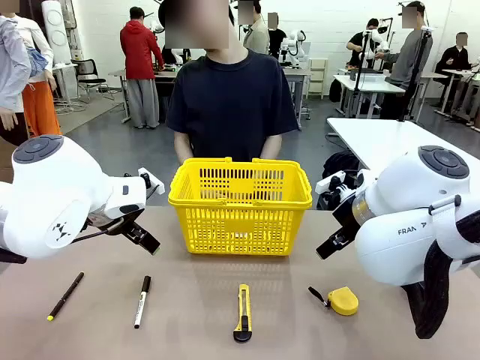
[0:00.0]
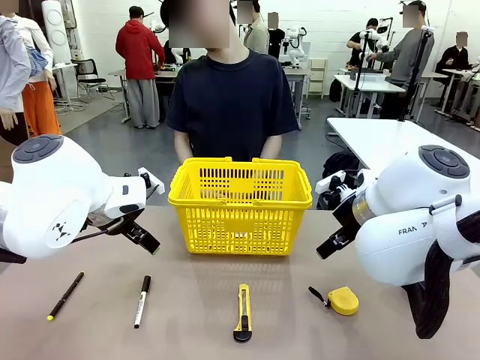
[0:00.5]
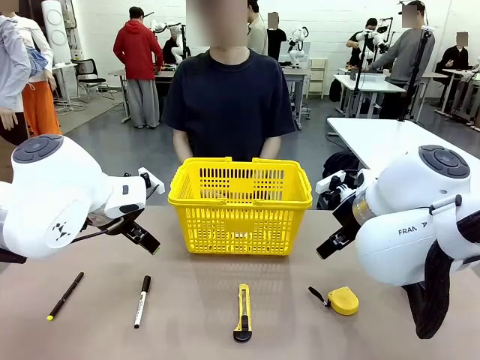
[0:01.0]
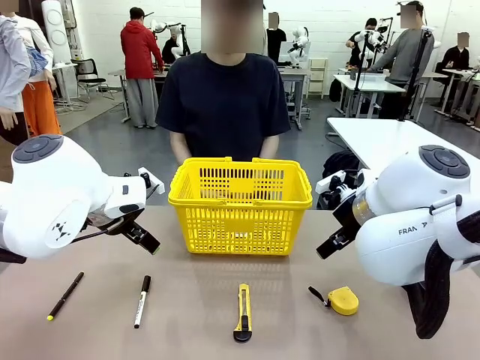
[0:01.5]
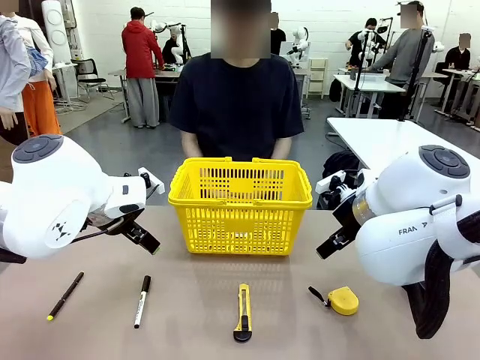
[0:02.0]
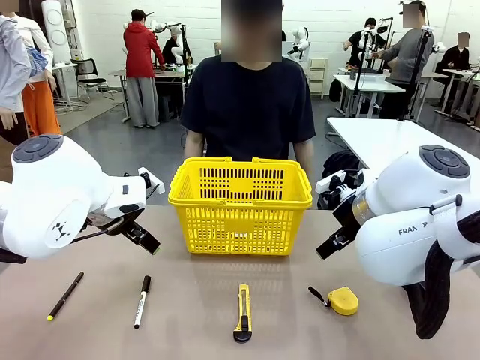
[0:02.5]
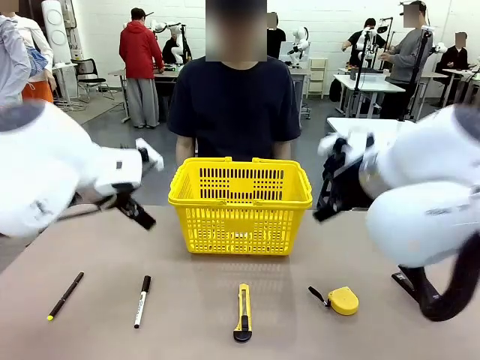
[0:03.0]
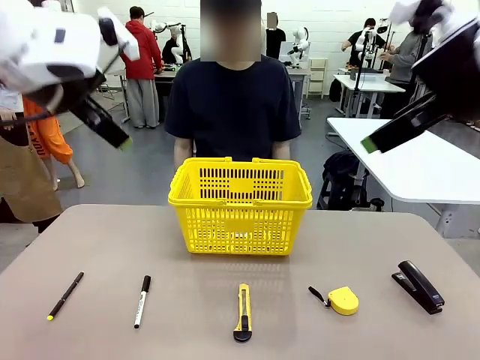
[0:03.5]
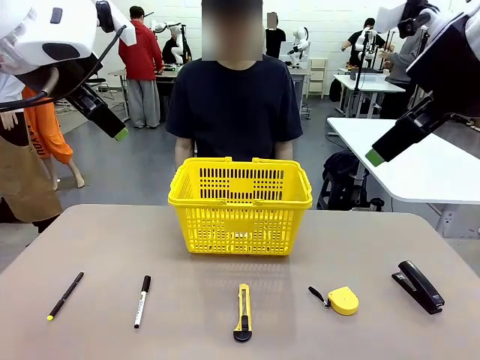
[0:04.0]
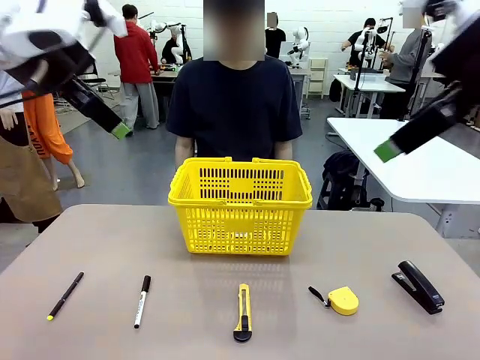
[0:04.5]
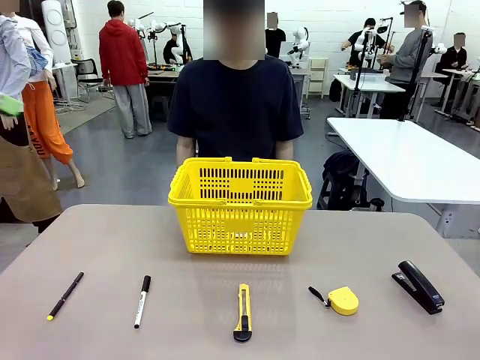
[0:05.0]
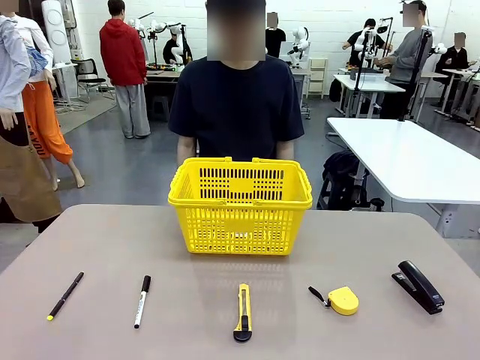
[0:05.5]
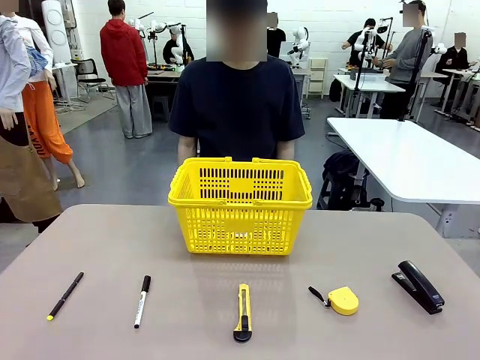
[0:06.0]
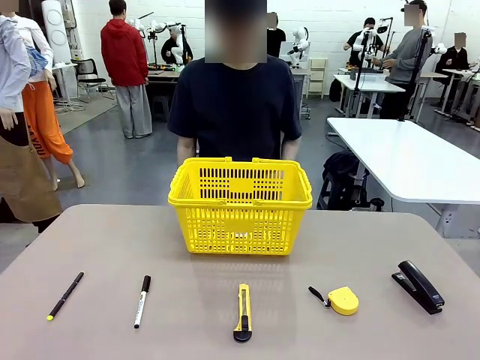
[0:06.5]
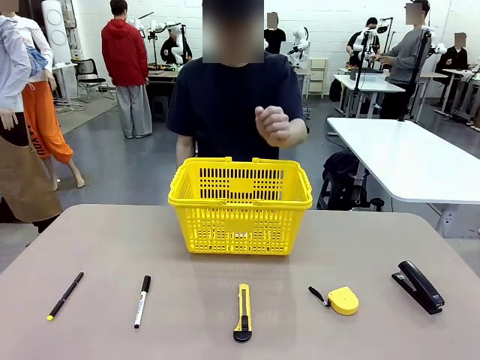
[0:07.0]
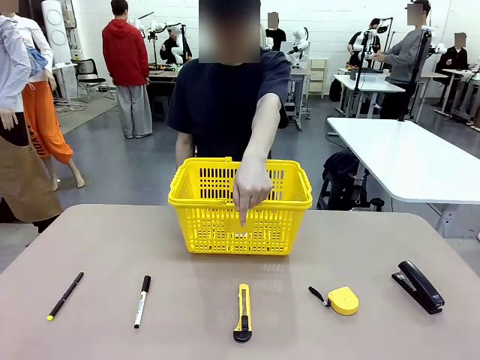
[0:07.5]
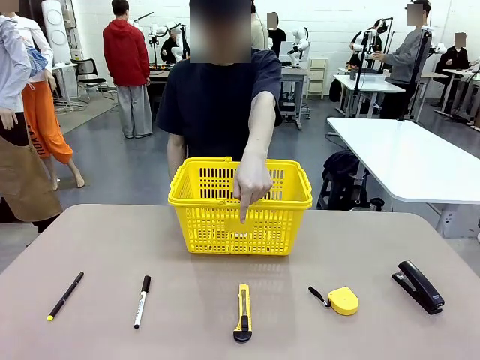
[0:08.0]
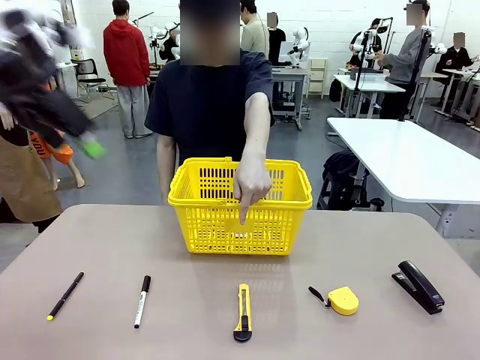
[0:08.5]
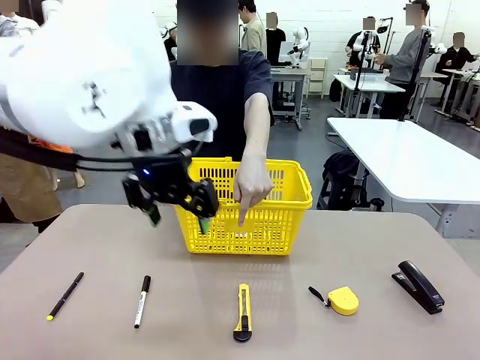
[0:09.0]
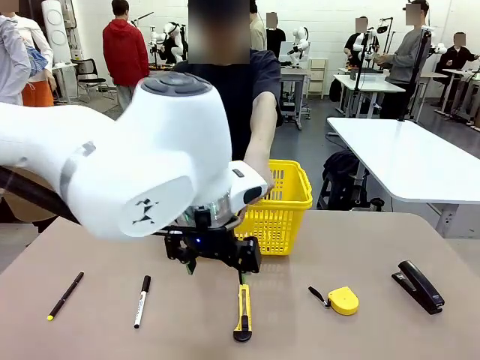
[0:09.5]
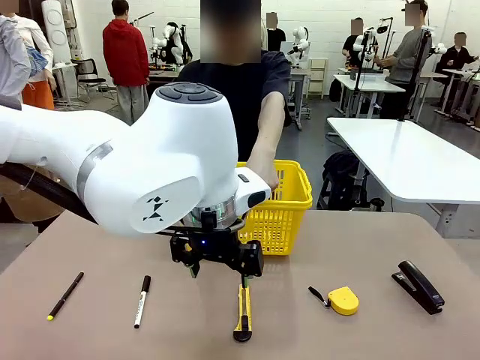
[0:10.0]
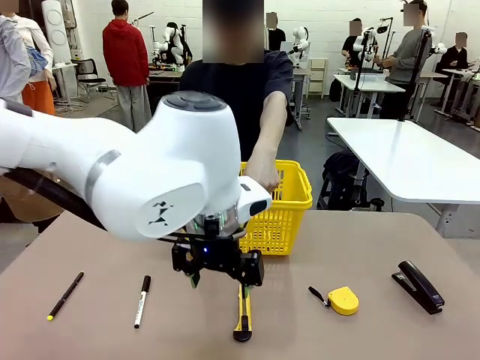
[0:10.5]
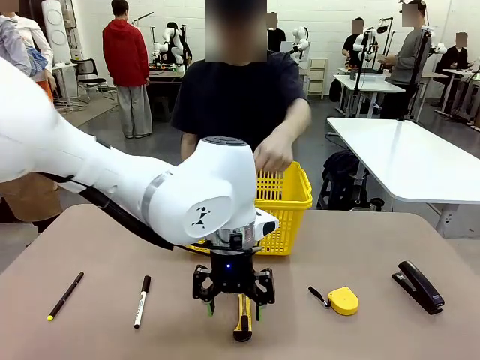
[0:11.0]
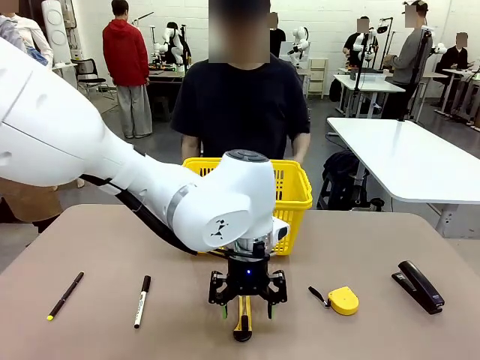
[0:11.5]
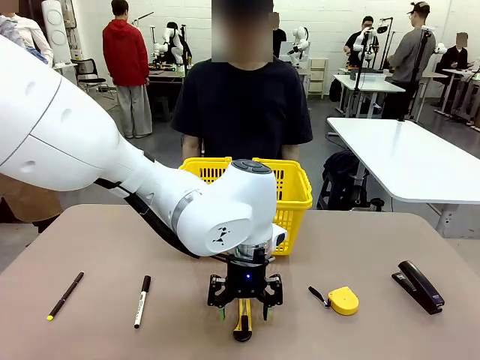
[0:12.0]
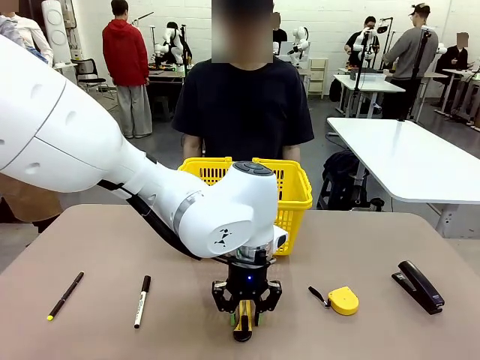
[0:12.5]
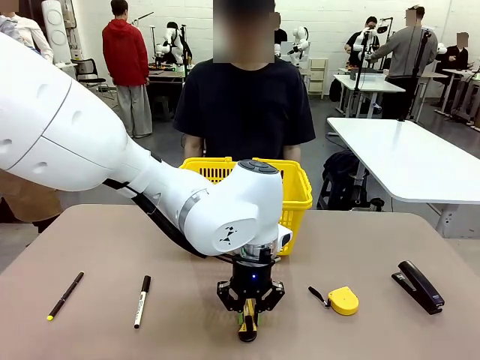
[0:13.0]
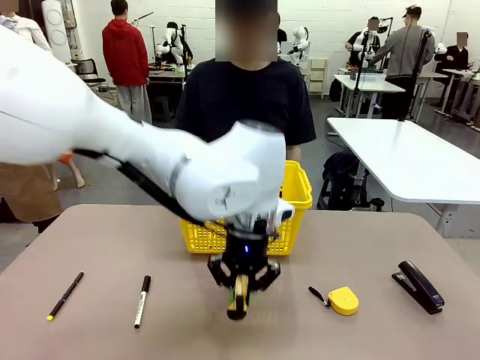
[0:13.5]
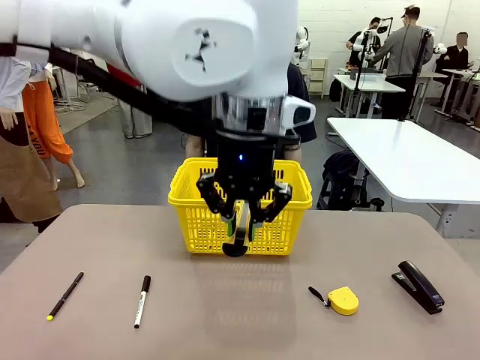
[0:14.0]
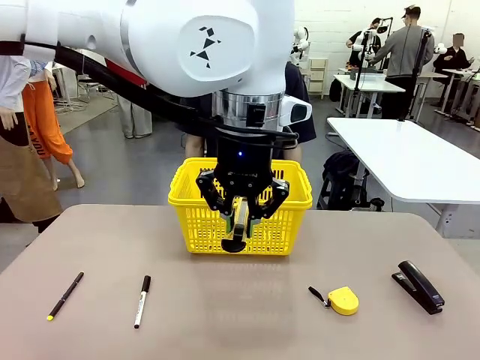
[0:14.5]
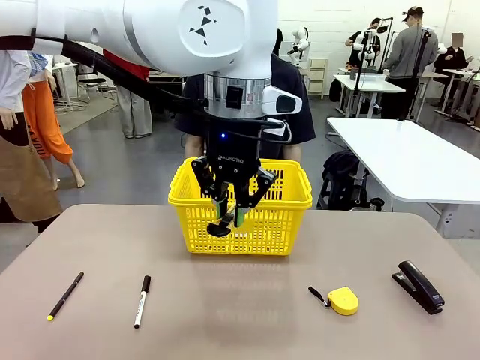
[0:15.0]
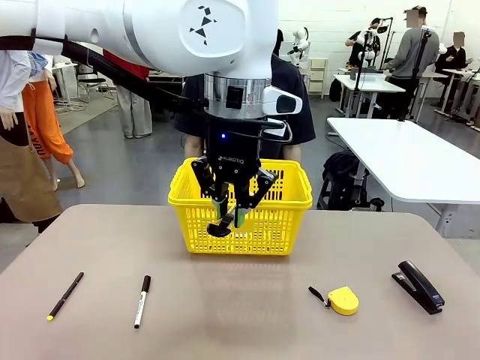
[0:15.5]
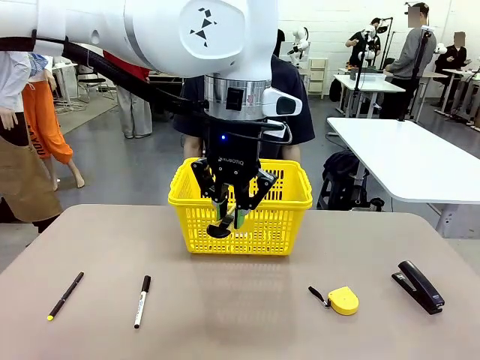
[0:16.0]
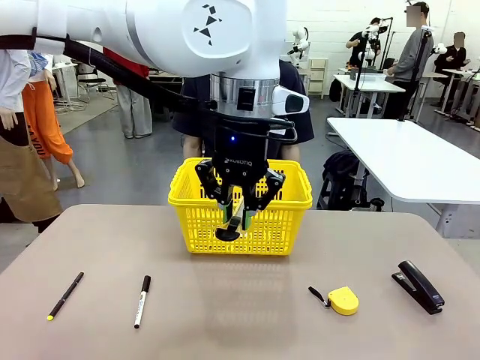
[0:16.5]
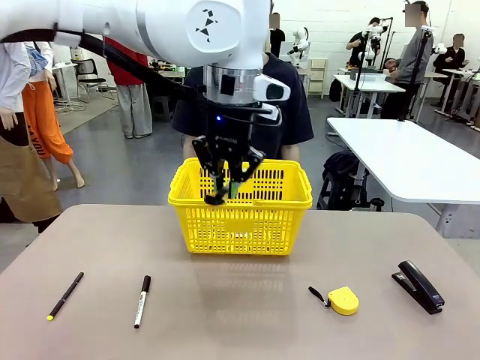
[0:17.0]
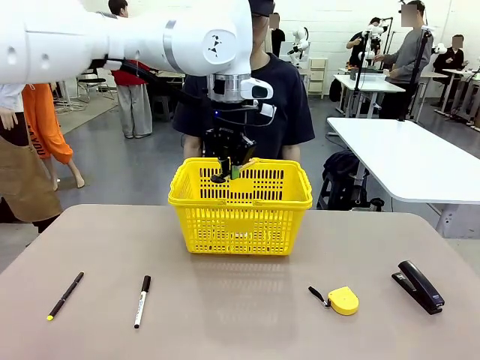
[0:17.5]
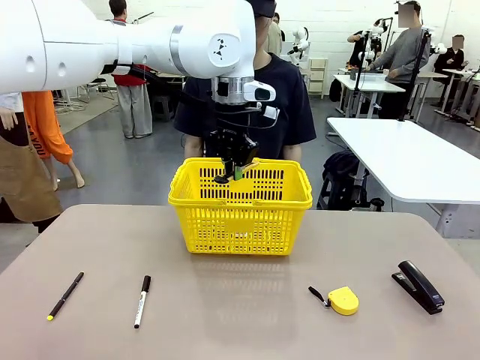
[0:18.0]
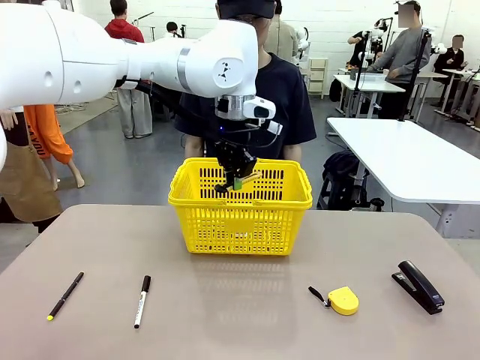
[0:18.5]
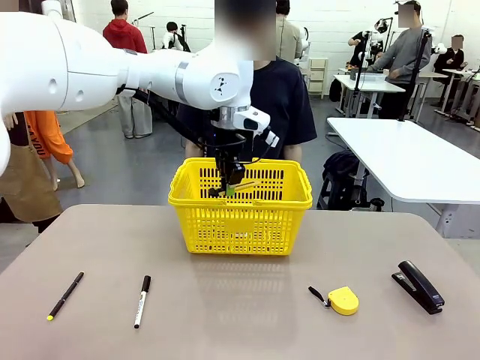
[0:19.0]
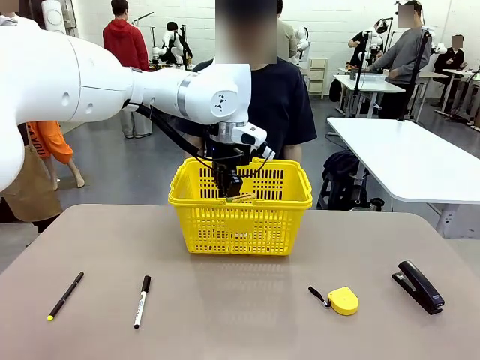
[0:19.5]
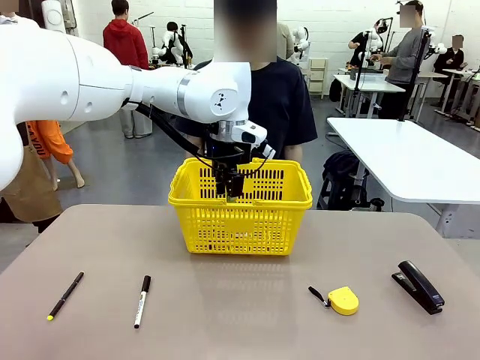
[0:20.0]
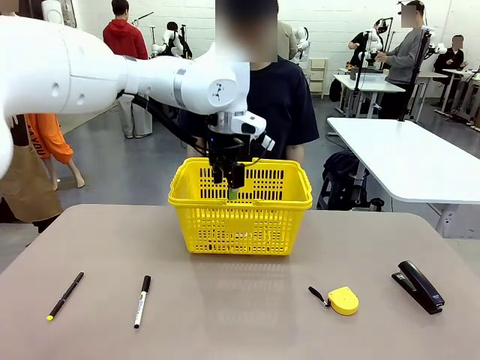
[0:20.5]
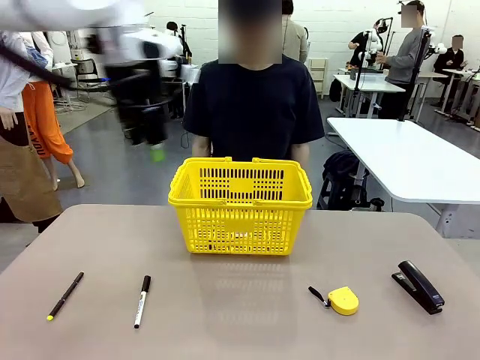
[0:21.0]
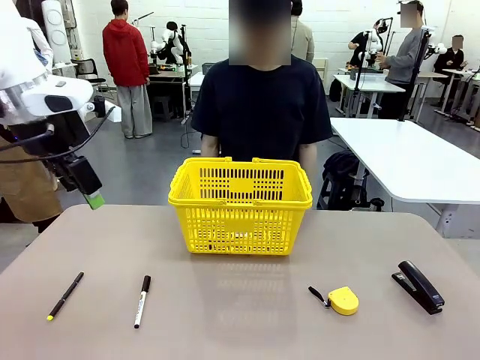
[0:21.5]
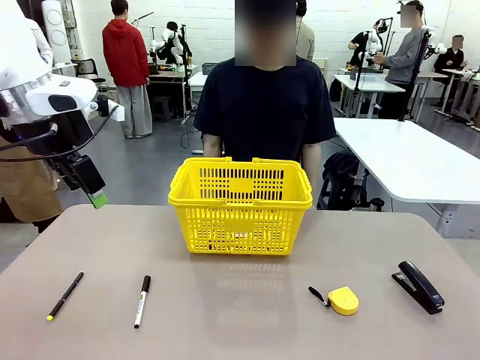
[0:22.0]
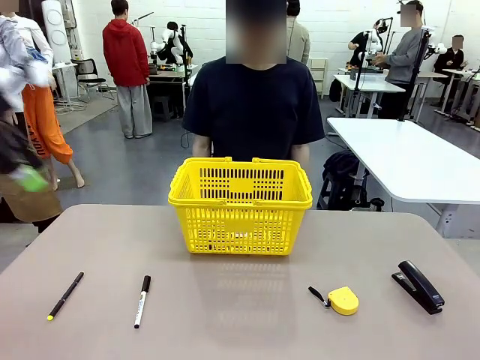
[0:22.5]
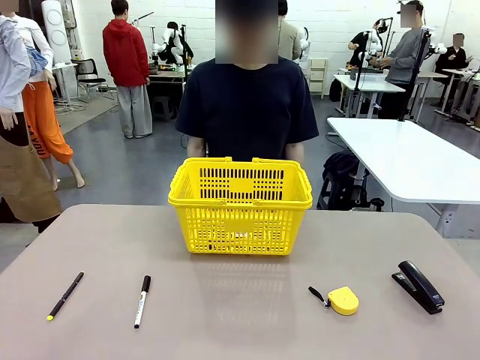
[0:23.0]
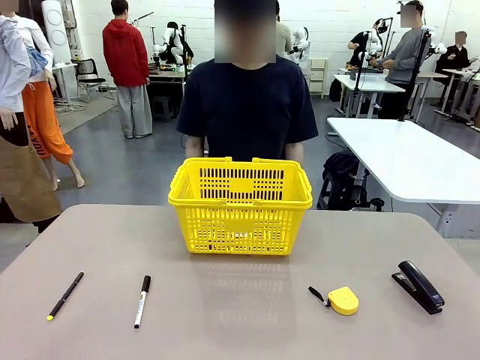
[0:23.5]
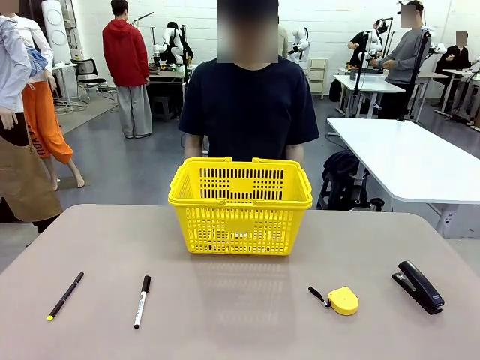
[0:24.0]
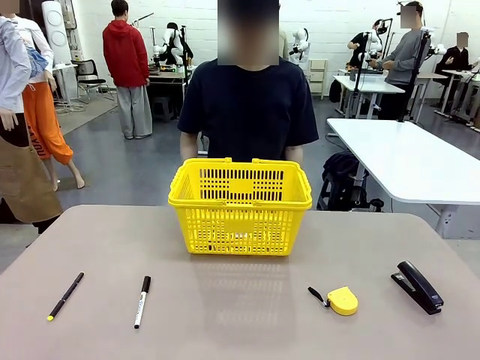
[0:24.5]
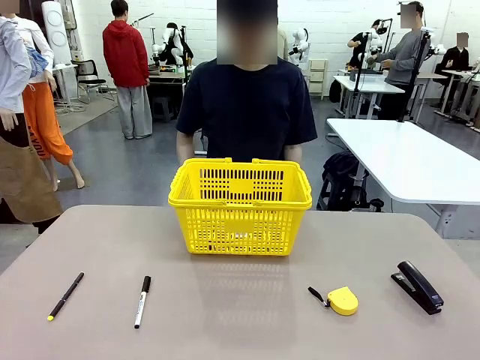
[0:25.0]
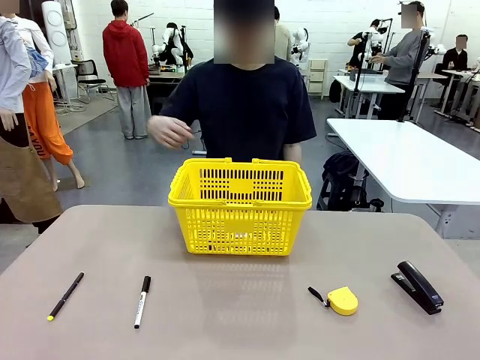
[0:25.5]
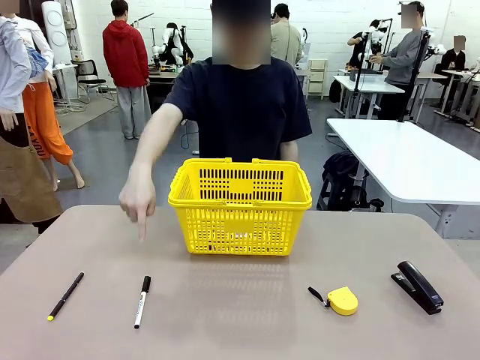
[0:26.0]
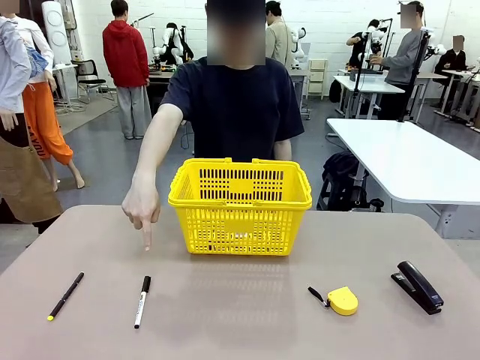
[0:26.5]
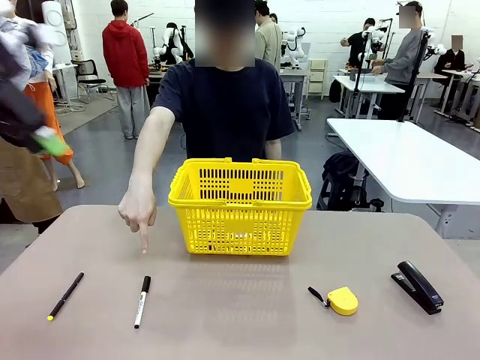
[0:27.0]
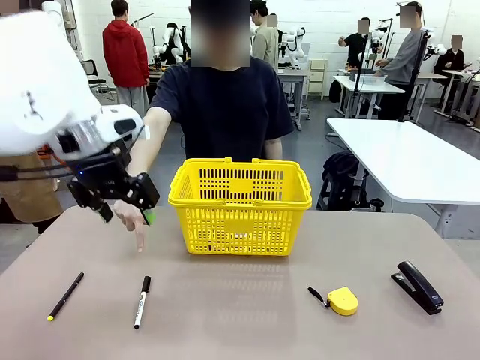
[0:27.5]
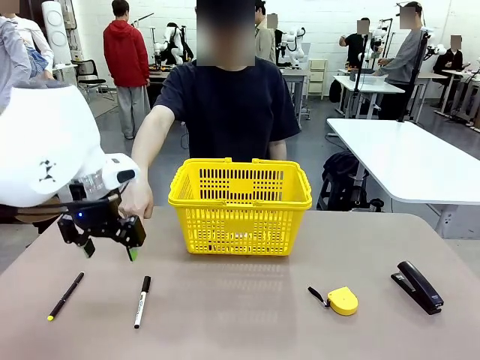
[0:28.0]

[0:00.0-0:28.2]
Task: Place the items the person wants into the basket.
Robot: Pick up the item the person points to and place it in the Market Basket.
